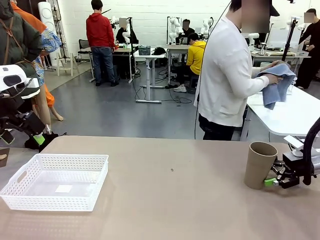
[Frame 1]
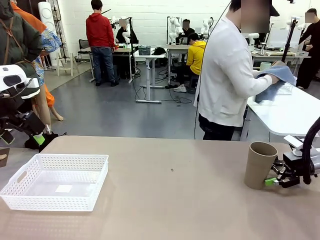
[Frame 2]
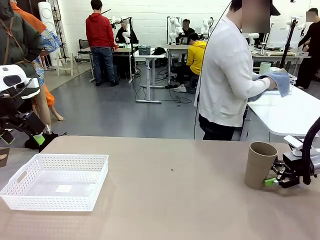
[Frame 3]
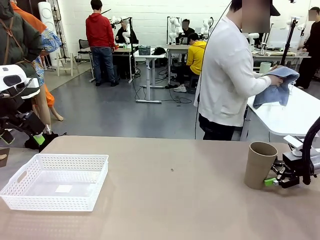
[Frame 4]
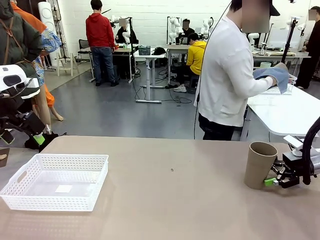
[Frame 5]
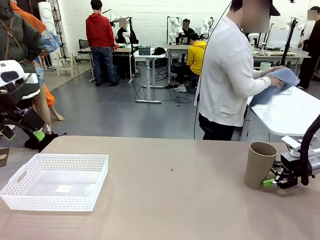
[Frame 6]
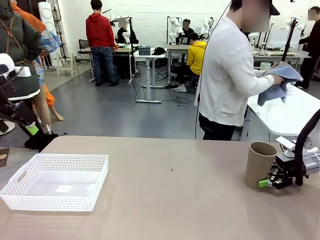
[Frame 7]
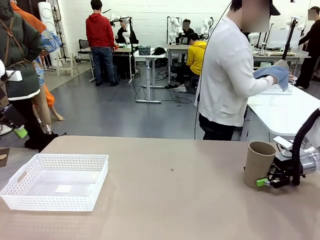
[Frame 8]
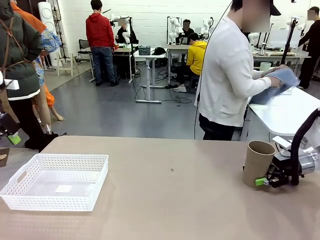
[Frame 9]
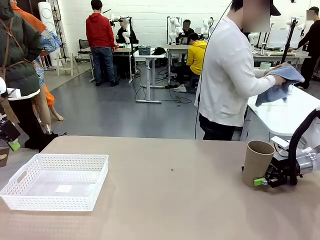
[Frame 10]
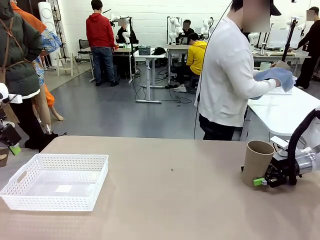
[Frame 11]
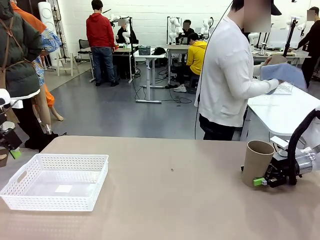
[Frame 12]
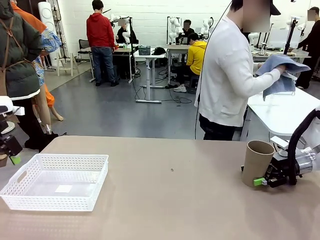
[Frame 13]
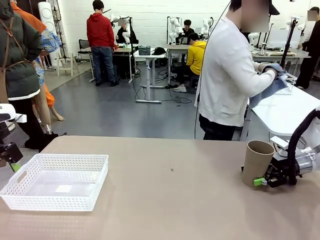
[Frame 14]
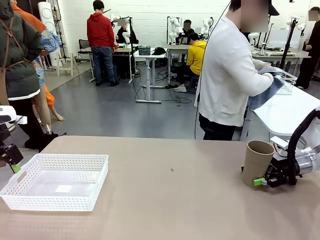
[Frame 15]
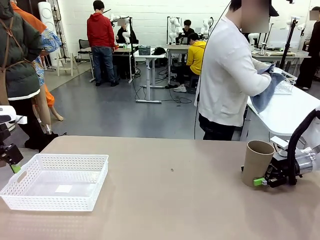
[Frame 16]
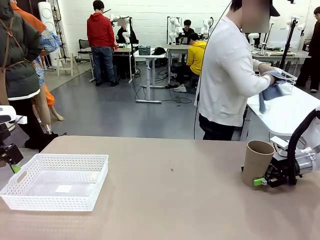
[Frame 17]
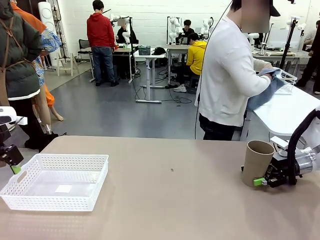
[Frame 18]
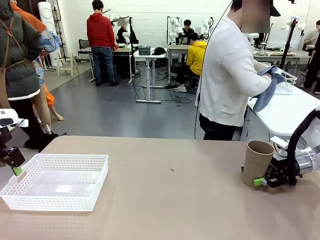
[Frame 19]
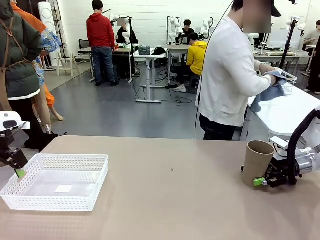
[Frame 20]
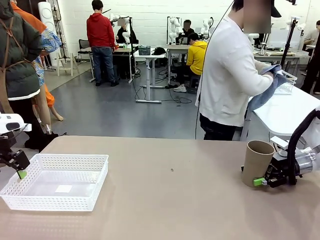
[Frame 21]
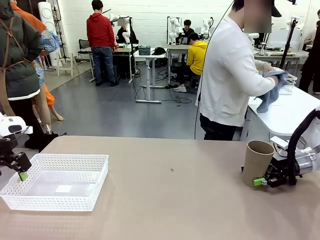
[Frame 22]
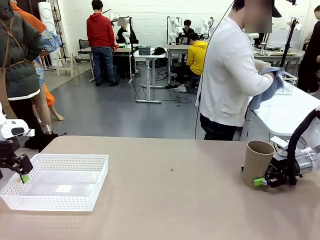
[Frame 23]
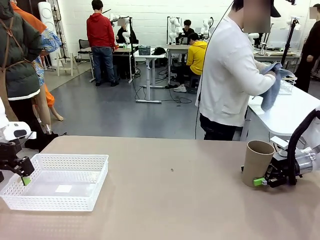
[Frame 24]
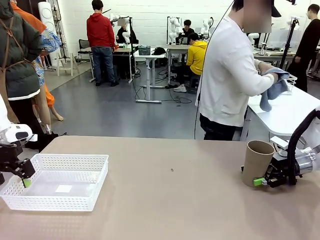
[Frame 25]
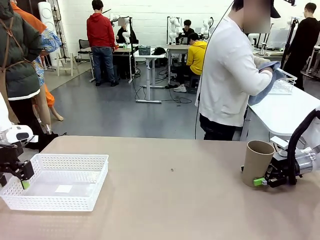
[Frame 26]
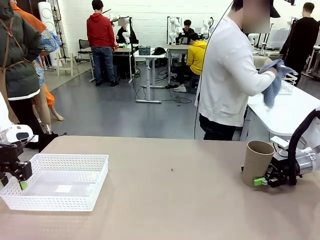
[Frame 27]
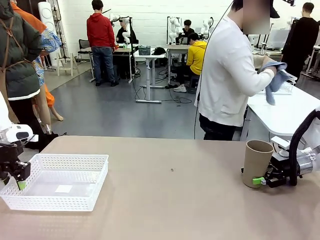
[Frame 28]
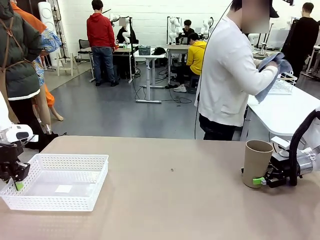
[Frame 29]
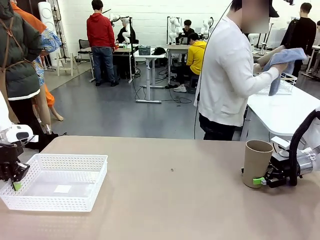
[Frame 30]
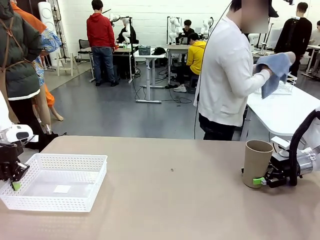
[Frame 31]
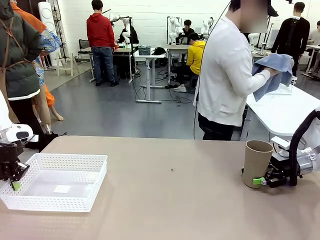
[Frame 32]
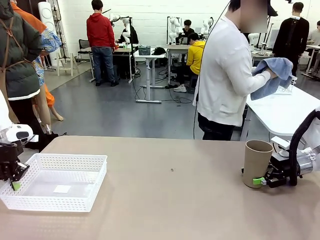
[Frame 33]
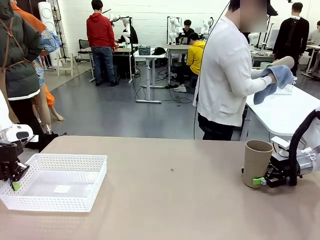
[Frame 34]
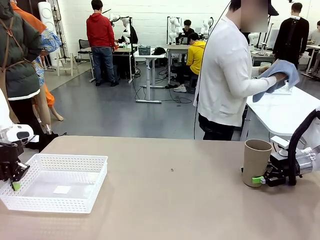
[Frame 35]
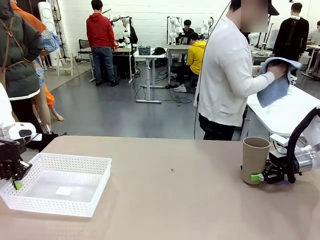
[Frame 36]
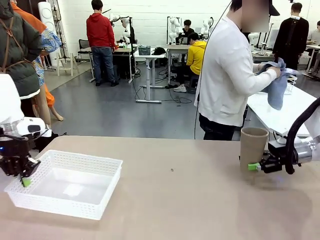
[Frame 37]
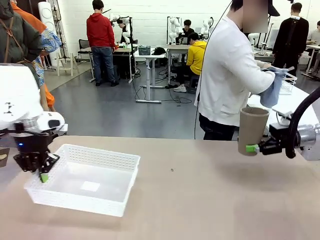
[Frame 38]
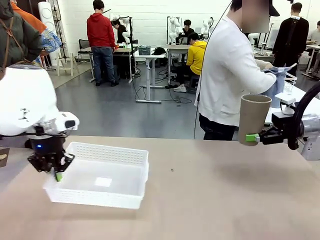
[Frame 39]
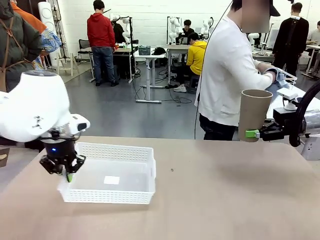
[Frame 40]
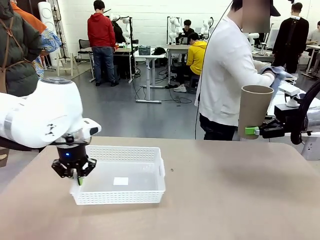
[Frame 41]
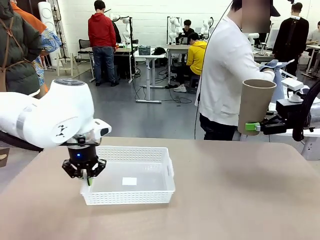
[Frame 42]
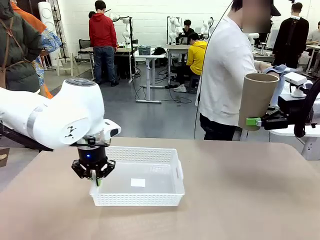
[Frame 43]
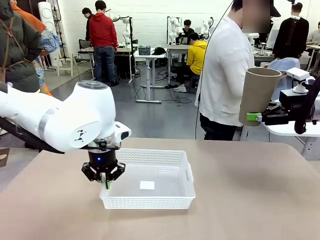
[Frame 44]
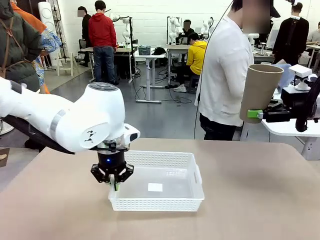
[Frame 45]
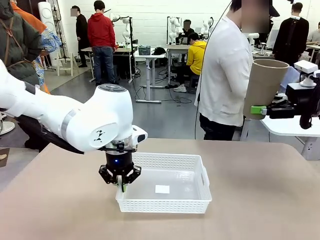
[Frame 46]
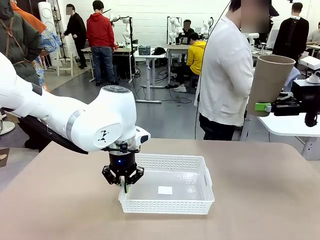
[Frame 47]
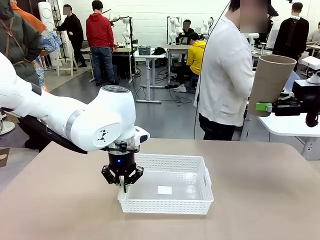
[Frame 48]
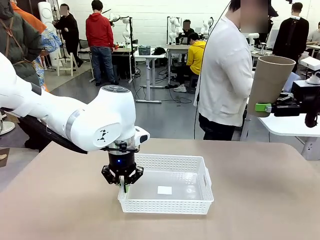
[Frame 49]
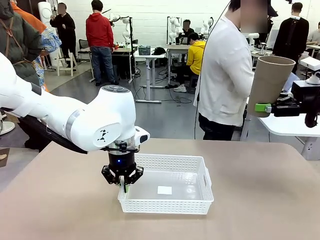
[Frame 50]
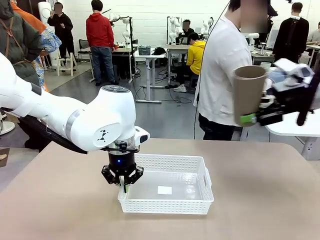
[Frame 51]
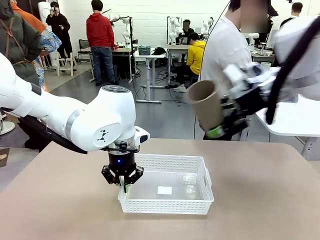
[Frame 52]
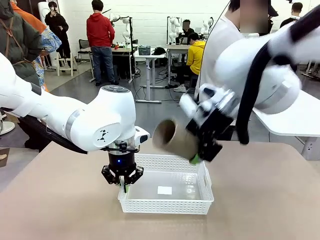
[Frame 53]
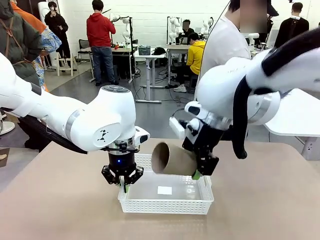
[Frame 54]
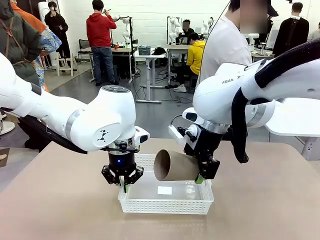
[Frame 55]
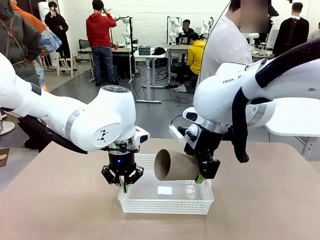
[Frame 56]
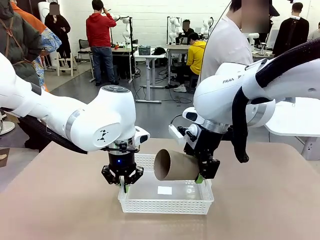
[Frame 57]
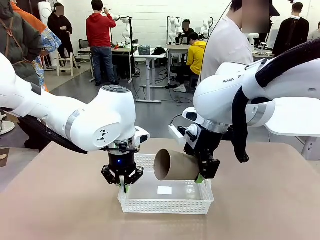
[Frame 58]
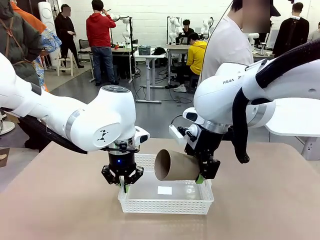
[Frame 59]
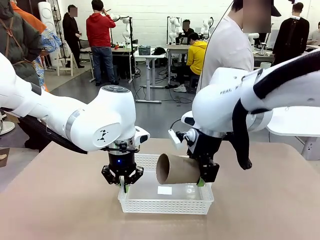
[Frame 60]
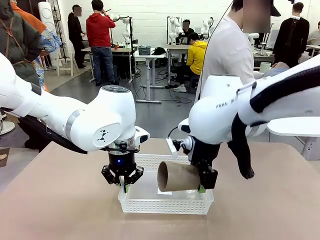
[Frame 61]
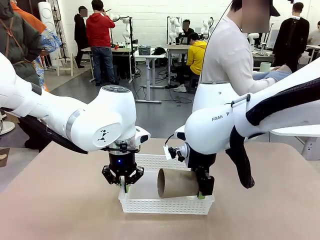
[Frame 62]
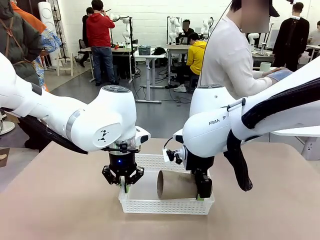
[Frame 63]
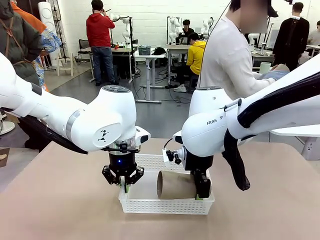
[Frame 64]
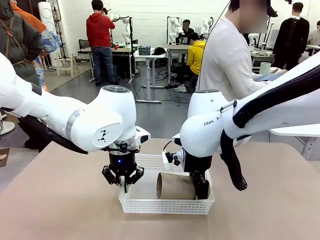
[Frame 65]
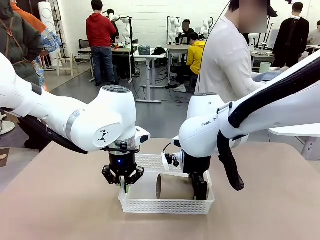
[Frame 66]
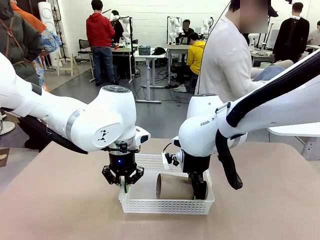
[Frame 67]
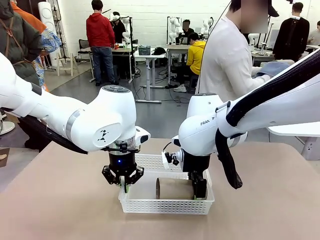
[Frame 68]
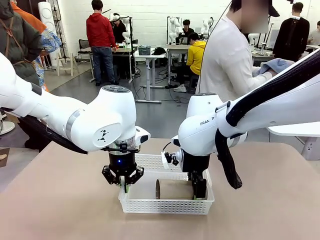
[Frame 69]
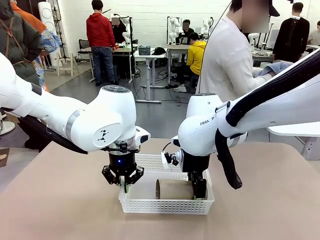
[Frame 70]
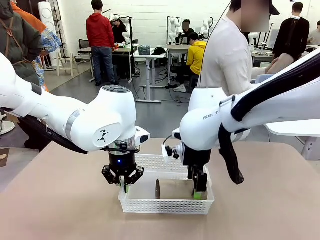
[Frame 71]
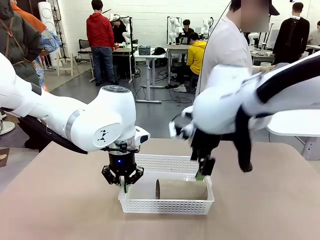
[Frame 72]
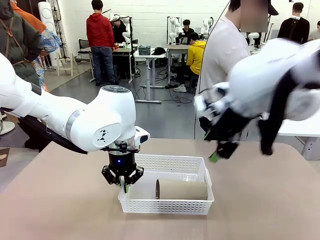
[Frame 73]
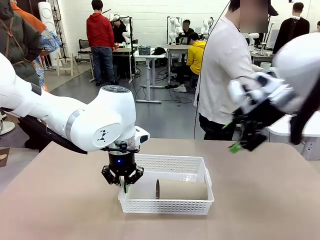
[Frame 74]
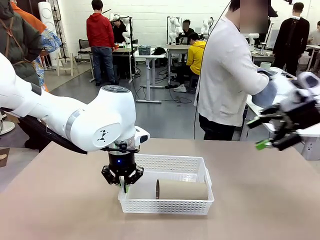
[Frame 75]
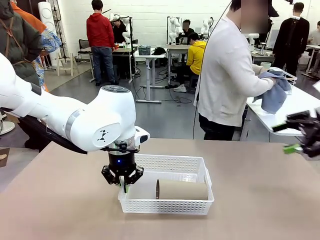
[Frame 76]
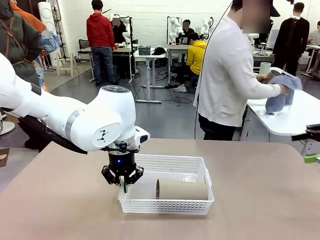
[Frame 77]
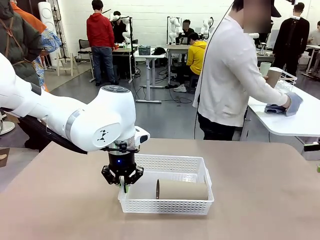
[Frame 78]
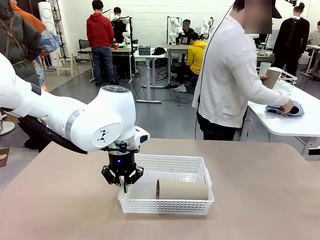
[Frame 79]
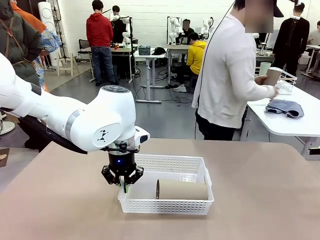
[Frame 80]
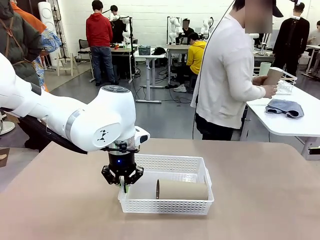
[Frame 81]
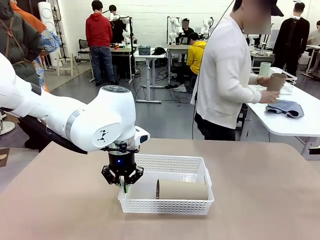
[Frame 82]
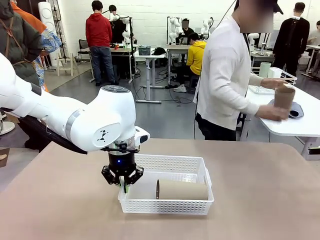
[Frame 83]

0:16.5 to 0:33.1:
Task: Clean and organize the cups into the basket.
Robot: Pick up the Organizing basket and move it to the center of the table, then pick up the Reusable plastic cup from the right side of the table and place it inside the Organizing basket.
